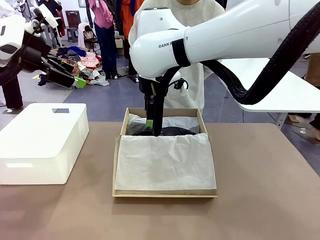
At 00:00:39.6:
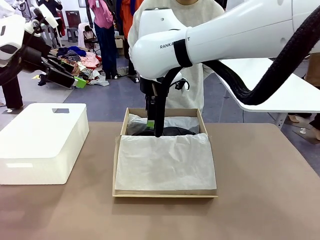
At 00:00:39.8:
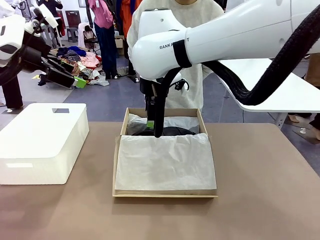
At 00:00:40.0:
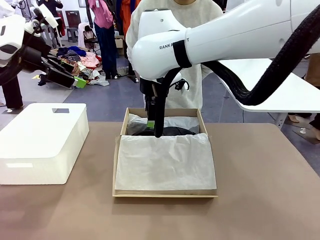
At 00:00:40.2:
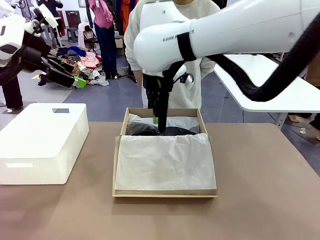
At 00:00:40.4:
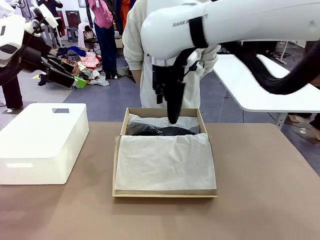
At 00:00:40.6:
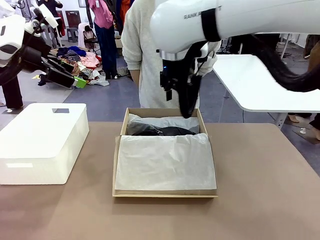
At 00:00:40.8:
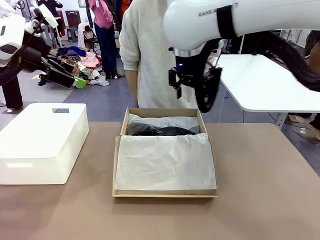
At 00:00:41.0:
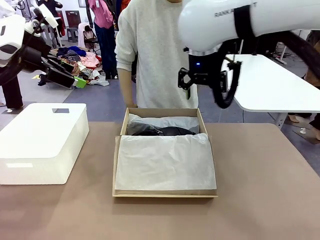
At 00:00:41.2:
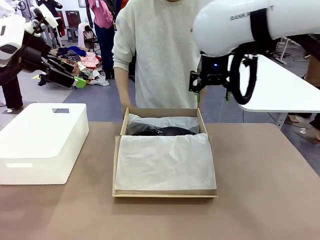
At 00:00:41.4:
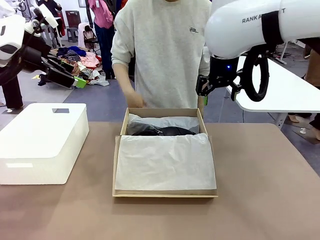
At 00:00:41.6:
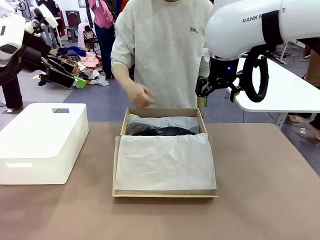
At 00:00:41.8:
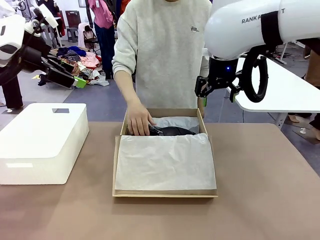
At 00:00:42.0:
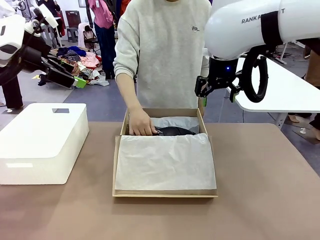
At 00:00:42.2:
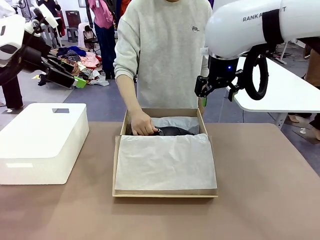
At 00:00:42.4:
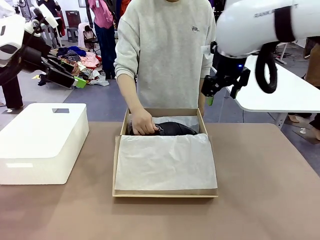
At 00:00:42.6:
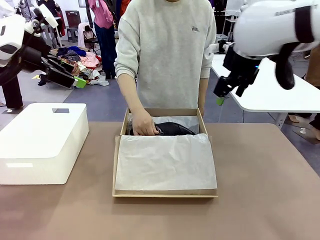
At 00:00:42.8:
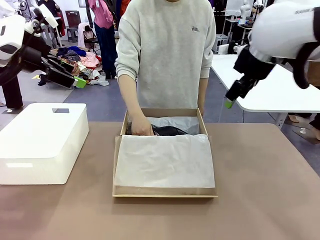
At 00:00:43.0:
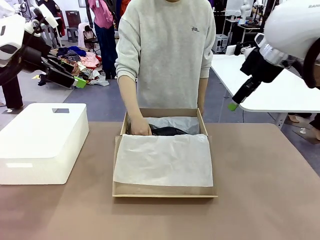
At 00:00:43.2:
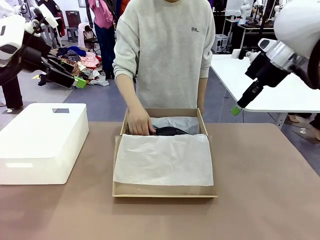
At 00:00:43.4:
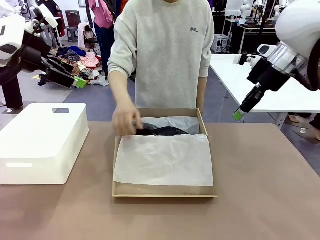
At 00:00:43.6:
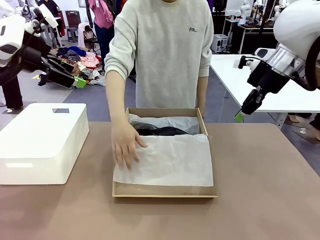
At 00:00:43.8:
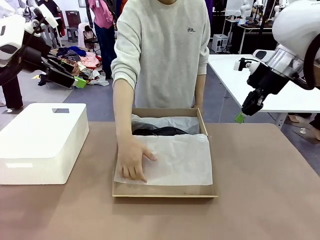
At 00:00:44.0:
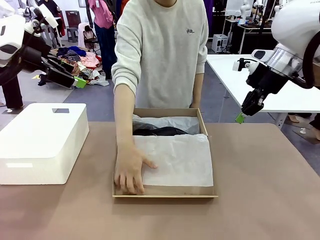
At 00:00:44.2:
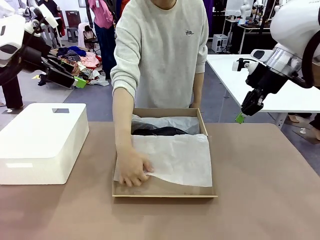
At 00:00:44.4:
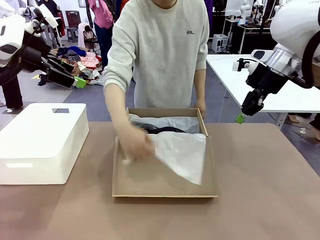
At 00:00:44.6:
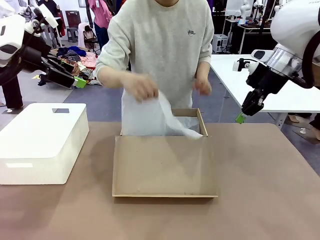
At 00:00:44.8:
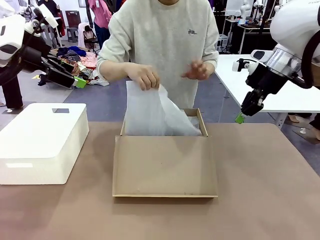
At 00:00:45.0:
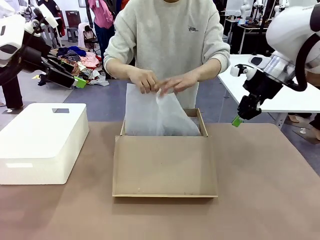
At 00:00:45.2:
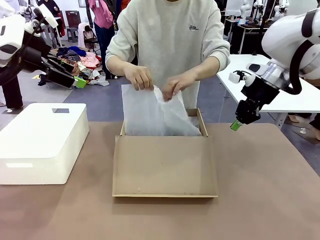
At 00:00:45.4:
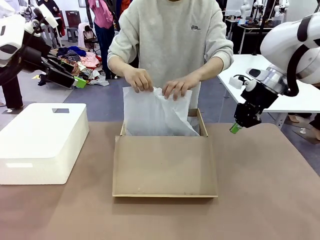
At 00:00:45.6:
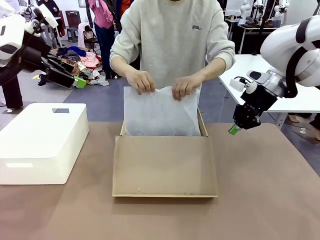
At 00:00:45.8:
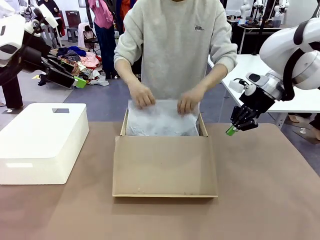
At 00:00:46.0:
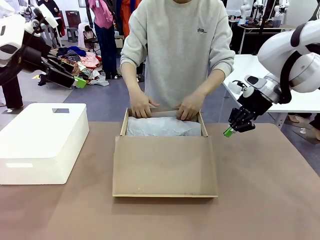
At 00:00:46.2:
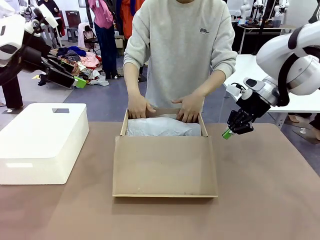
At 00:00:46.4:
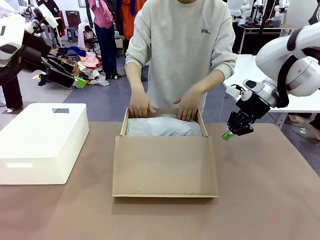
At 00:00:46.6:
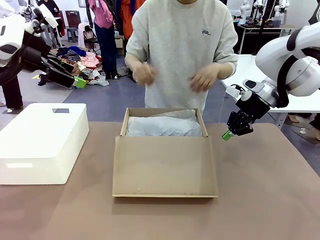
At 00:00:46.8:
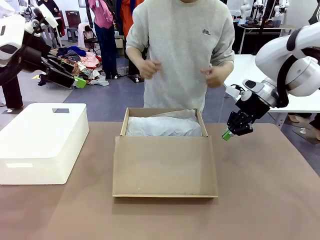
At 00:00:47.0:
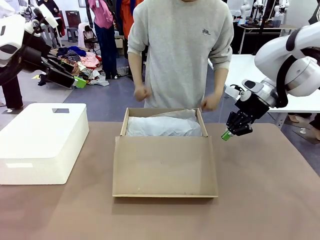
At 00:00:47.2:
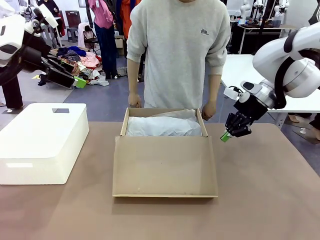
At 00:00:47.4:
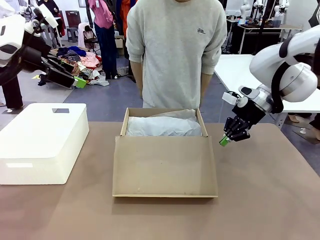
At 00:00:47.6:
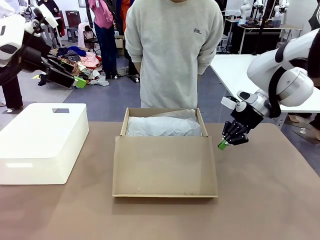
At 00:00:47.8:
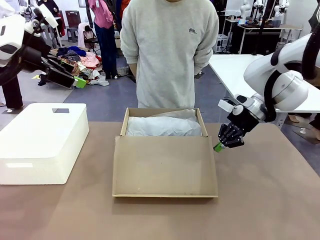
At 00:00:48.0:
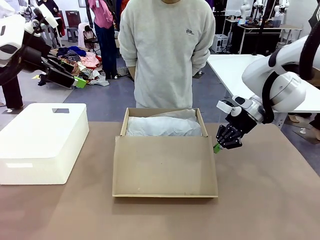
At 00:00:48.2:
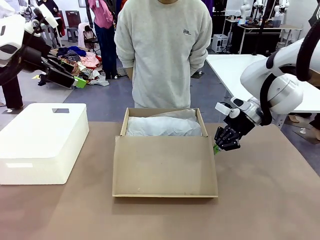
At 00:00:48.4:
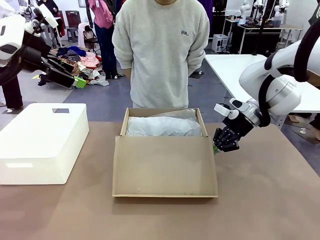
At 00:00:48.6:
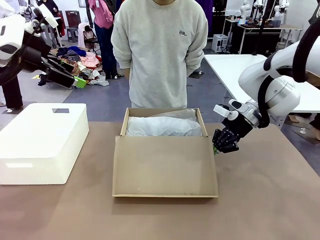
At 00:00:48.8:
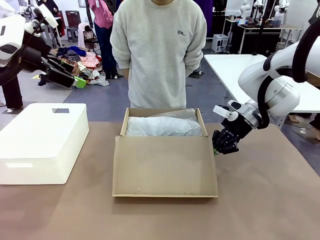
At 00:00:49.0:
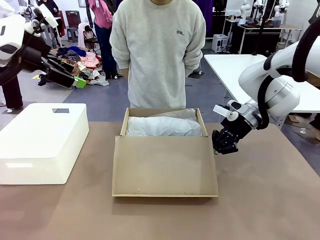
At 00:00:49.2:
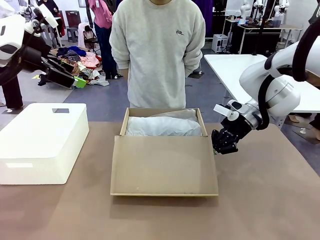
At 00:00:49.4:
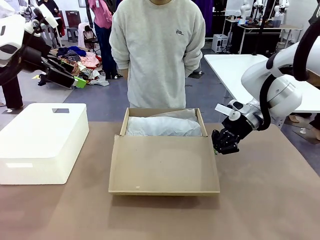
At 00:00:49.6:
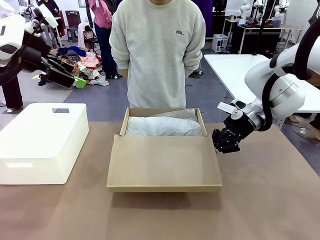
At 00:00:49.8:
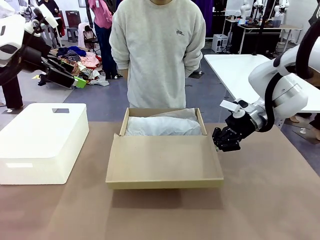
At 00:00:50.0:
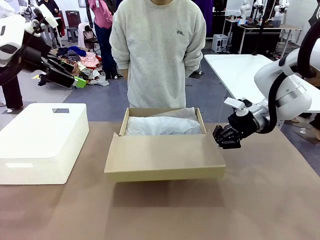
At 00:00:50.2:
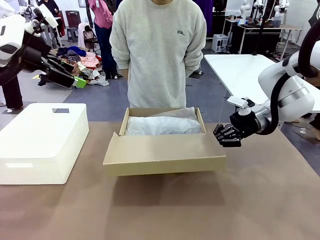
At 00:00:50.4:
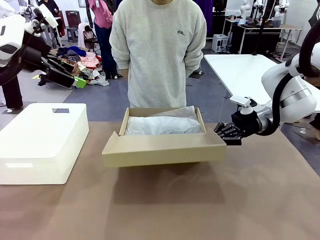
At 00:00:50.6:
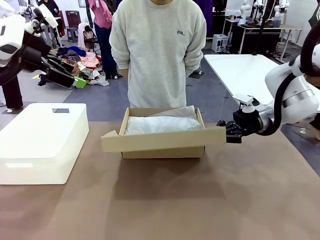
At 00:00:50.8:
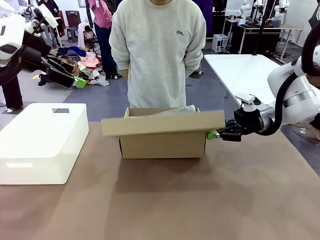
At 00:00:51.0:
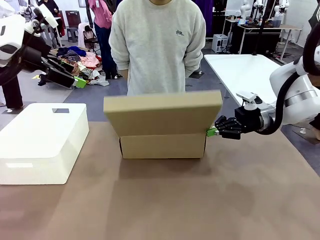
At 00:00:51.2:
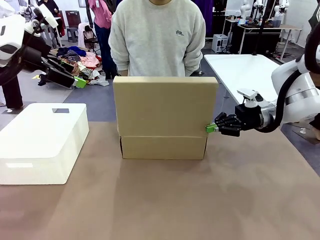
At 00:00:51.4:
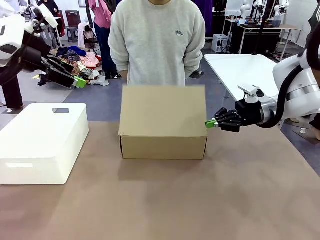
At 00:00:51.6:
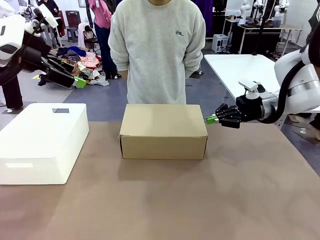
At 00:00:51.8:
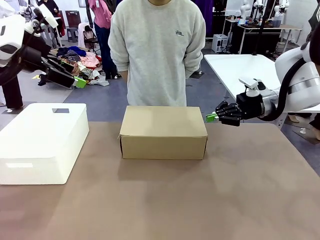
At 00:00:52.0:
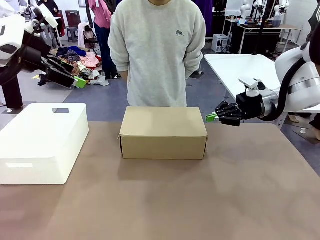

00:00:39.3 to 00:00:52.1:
Task: Pack the shoes into the box.
Robot: Close the Shoes Box.
